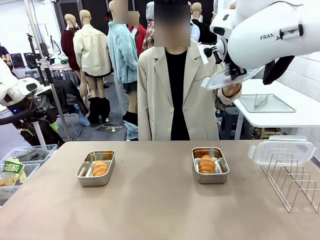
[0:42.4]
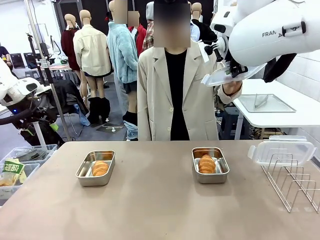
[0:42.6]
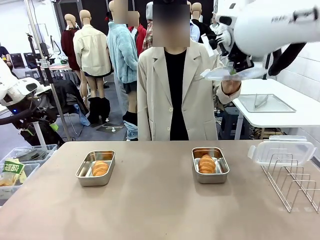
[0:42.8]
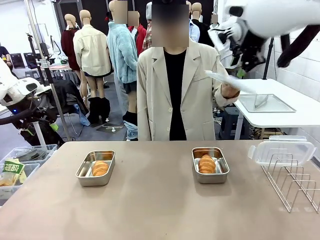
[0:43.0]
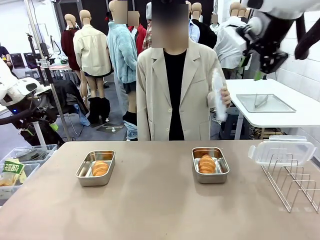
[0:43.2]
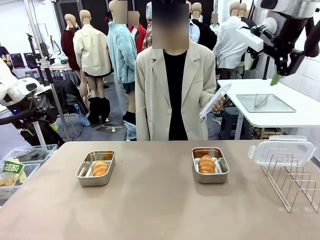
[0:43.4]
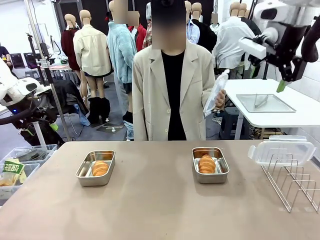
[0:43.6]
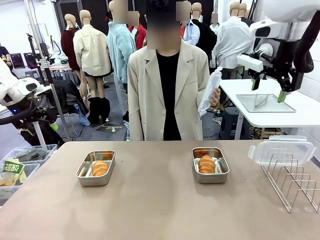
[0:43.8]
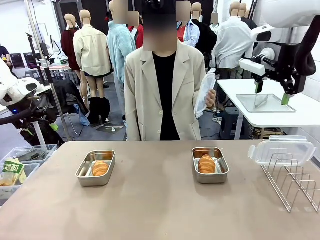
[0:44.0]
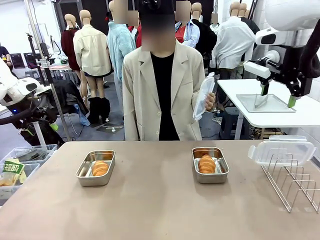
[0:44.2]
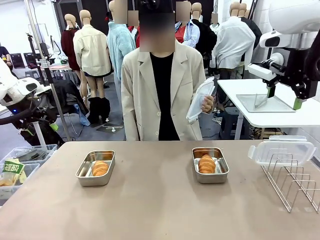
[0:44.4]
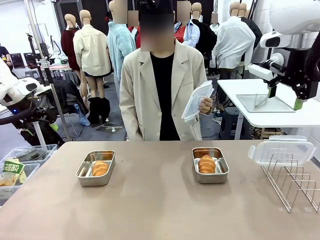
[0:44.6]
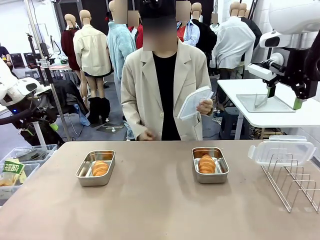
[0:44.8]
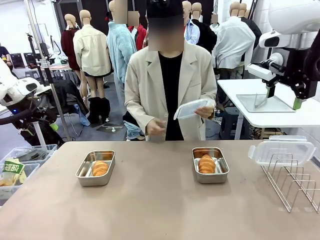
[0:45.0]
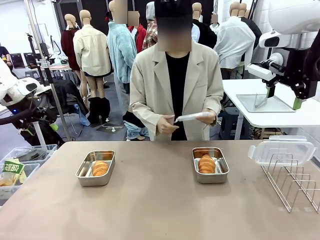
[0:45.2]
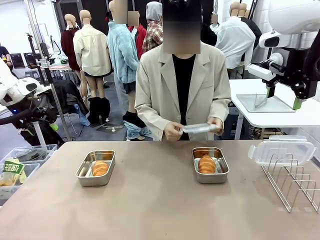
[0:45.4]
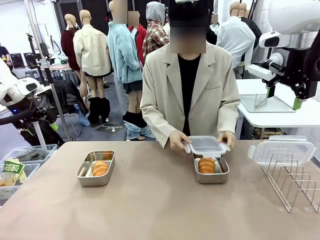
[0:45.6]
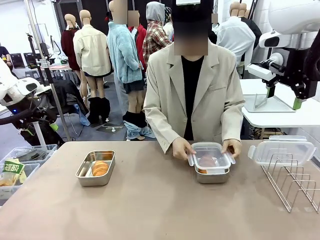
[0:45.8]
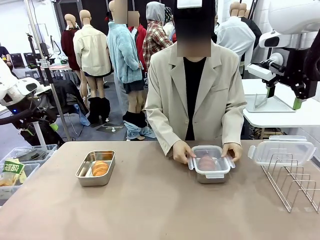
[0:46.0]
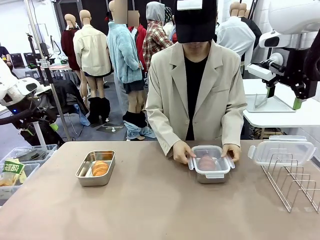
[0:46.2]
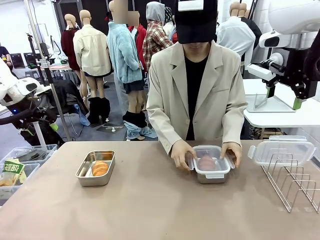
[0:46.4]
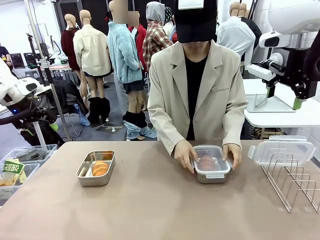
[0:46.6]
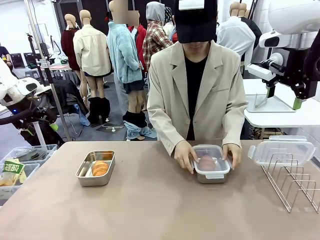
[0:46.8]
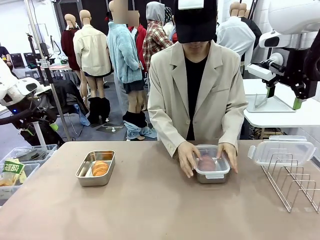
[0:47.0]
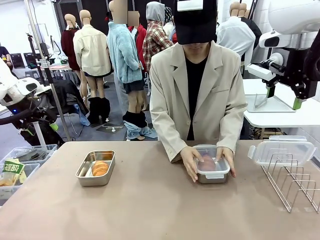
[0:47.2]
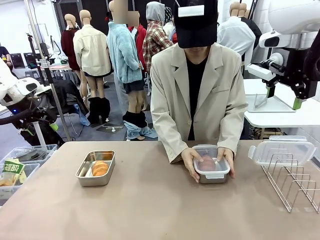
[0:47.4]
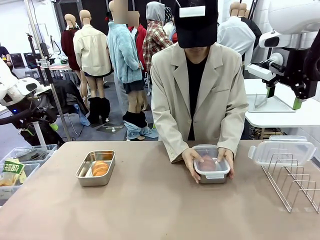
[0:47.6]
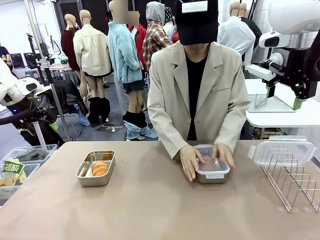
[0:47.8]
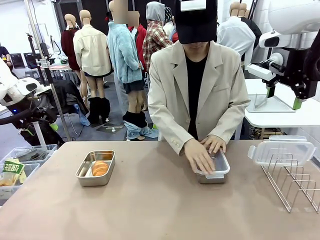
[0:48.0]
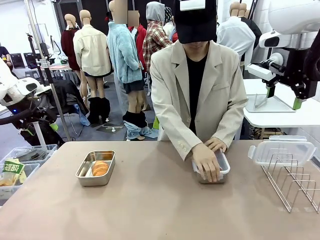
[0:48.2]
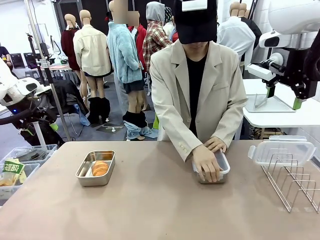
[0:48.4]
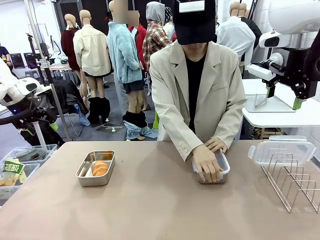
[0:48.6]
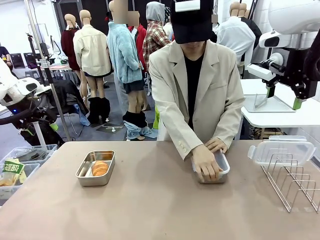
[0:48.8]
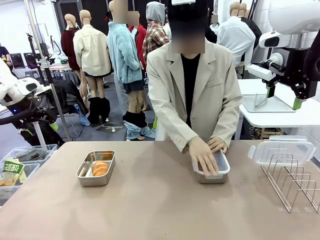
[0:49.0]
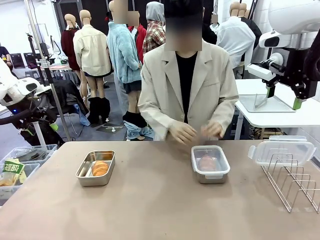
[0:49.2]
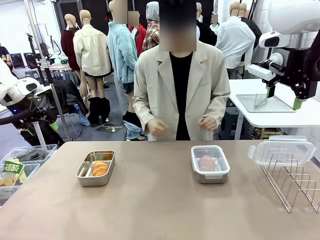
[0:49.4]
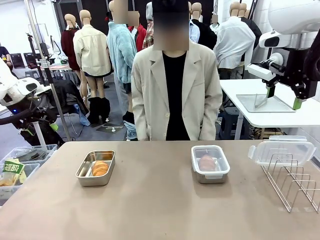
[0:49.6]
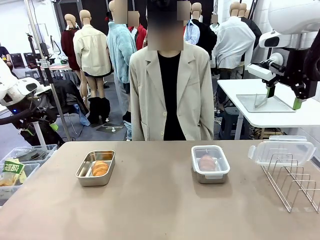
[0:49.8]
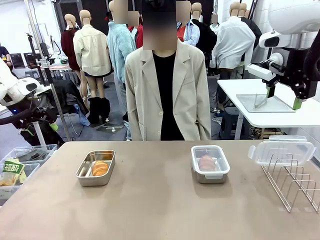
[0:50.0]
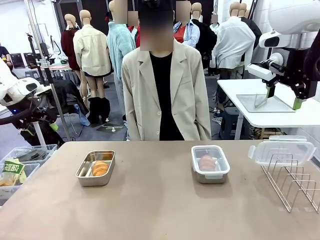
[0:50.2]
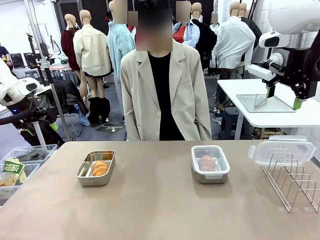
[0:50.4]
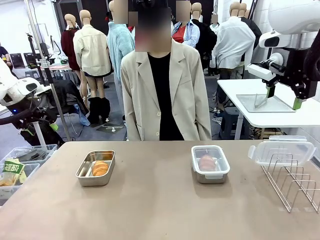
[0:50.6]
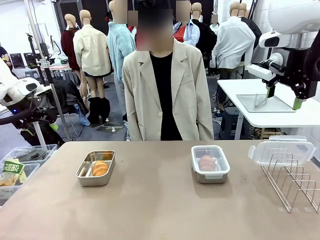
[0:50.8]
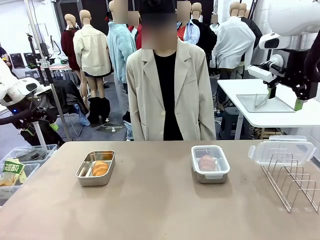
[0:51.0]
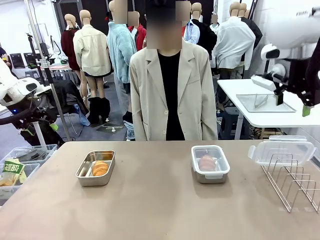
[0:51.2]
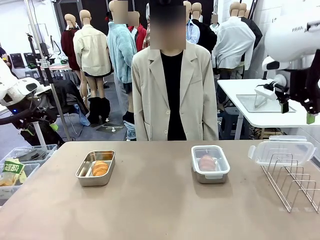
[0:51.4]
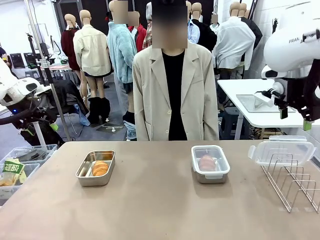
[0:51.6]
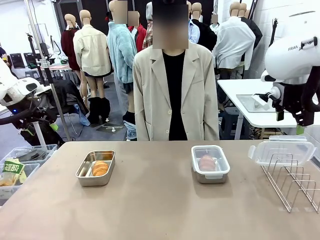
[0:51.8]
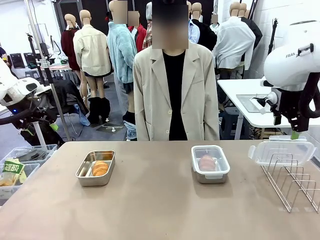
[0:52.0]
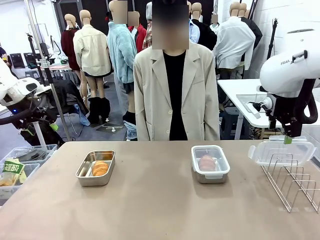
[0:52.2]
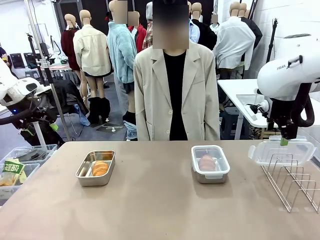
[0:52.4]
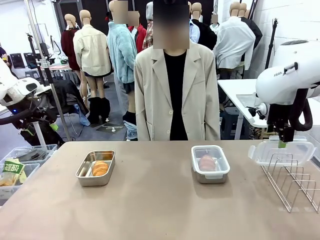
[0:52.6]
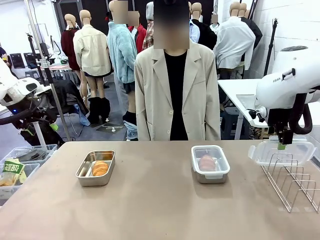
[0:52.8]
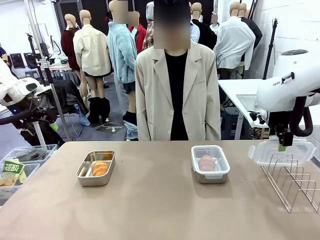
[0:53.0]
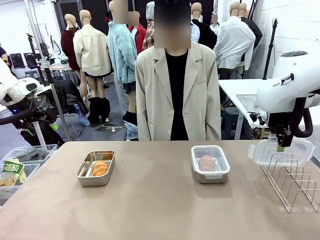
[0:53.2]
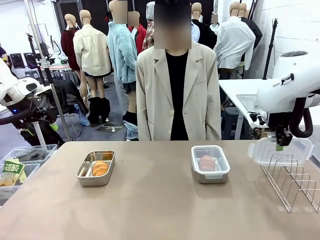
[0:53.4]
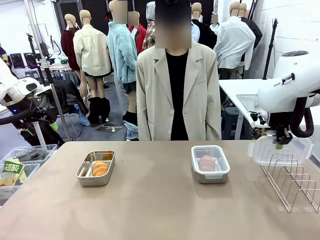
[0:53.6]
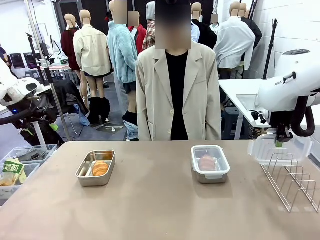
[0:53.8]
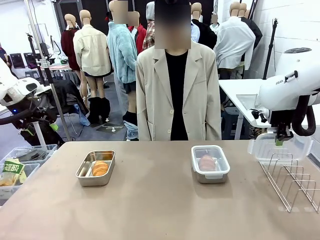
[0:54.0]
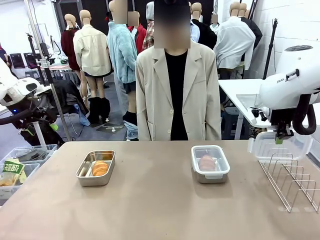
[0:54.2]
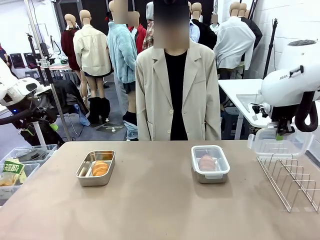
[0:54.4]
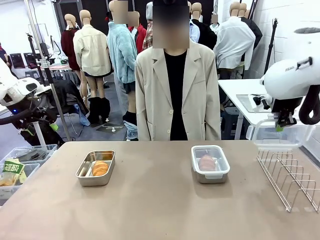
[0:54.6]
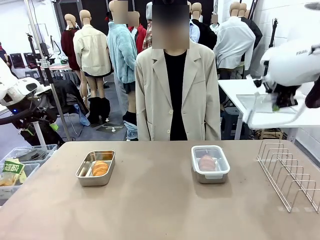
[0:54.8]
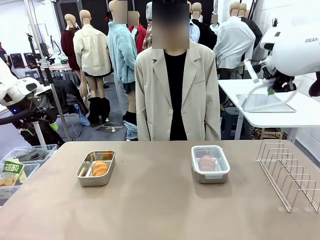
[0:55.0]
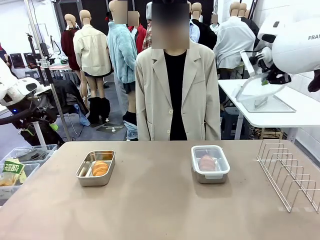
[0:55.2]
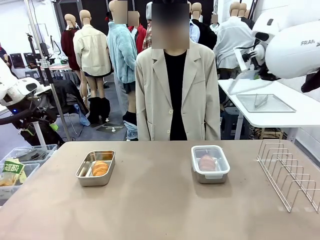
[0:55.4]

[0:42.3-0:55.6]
Task: Place the bread in airtight containers.
Robot: Pick up one Airtight Container lid and hand it to the human.
Person: Close Airtight Container with a handed Airtight Container lid. Grip Airtight Container lid that robot is handing.

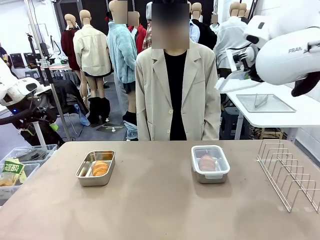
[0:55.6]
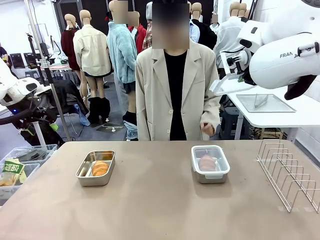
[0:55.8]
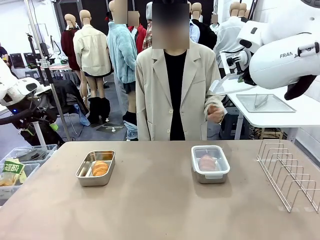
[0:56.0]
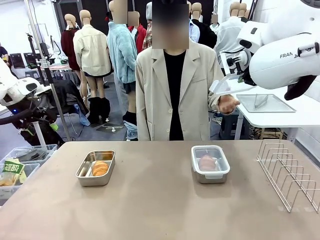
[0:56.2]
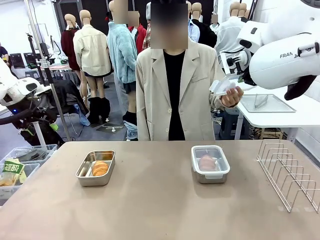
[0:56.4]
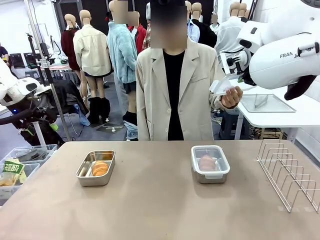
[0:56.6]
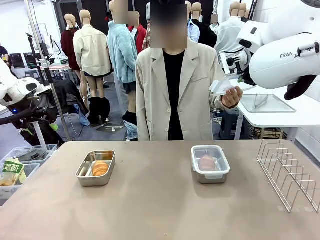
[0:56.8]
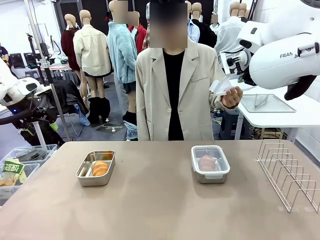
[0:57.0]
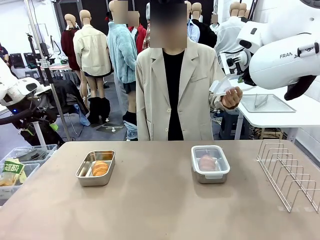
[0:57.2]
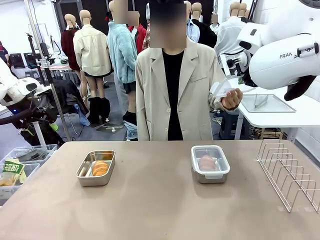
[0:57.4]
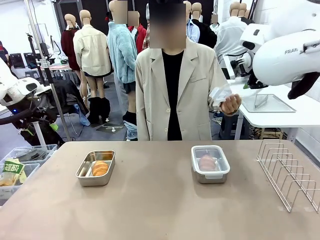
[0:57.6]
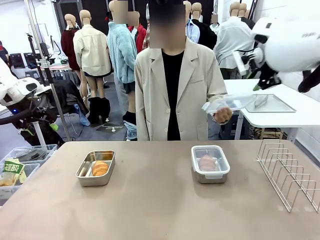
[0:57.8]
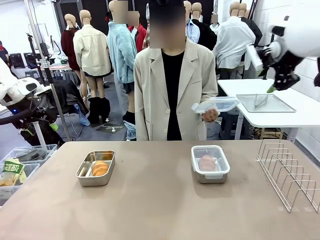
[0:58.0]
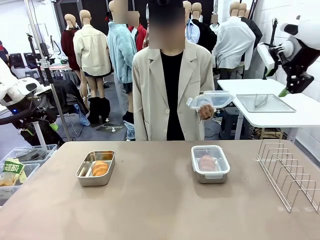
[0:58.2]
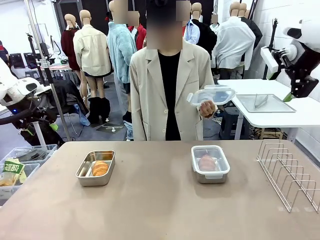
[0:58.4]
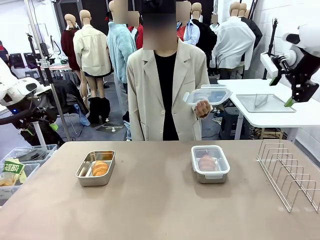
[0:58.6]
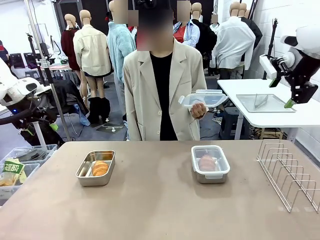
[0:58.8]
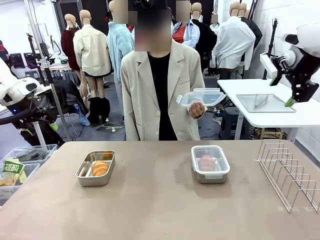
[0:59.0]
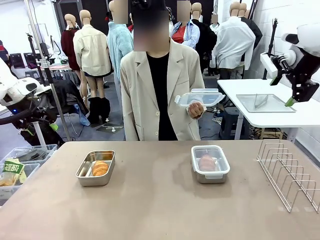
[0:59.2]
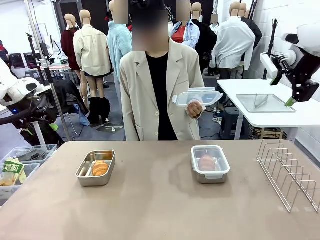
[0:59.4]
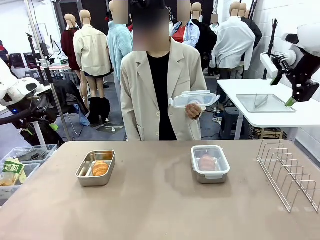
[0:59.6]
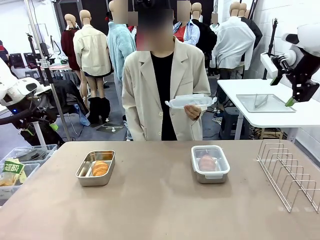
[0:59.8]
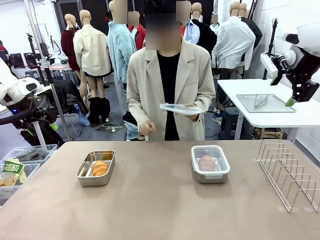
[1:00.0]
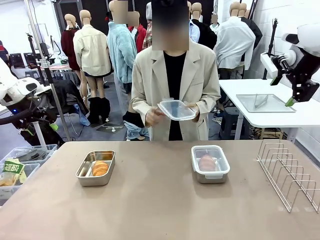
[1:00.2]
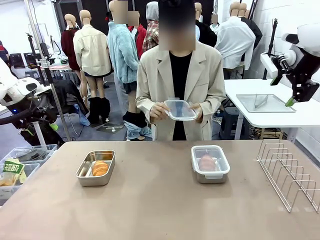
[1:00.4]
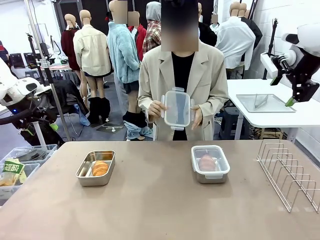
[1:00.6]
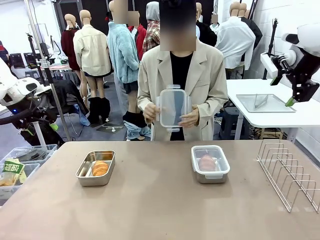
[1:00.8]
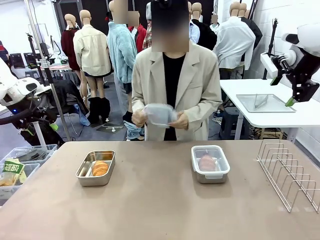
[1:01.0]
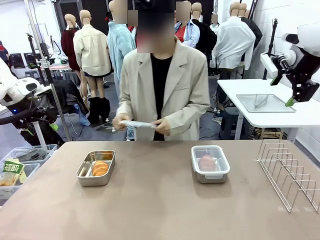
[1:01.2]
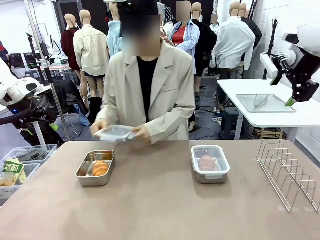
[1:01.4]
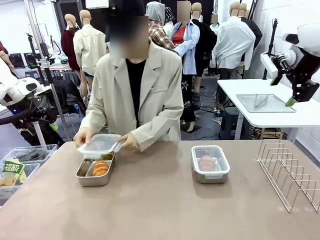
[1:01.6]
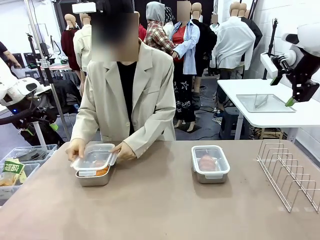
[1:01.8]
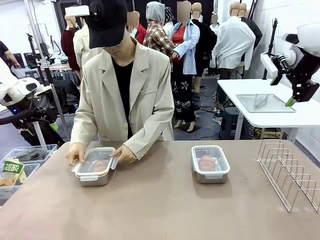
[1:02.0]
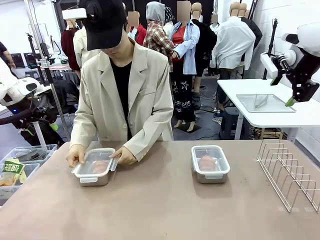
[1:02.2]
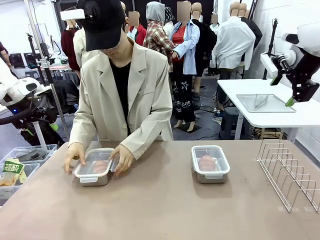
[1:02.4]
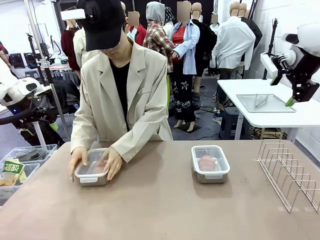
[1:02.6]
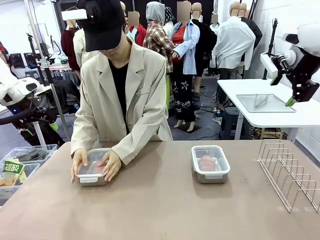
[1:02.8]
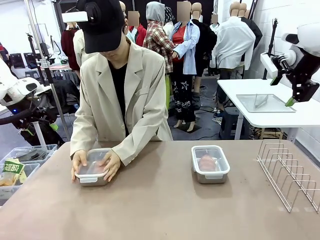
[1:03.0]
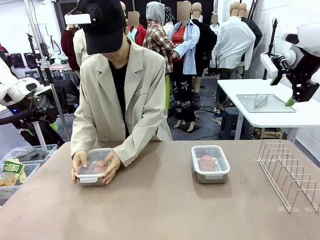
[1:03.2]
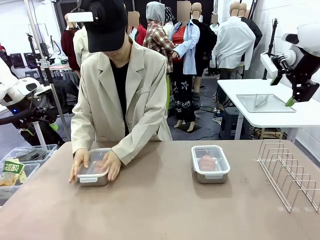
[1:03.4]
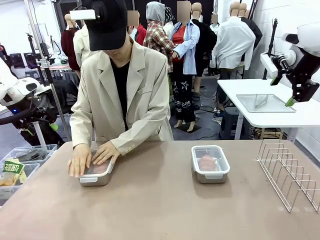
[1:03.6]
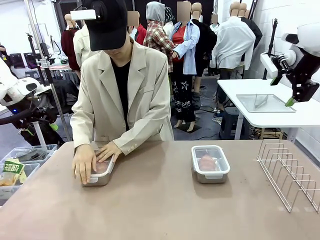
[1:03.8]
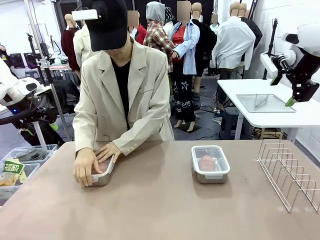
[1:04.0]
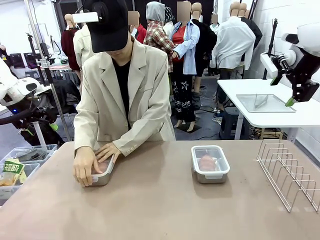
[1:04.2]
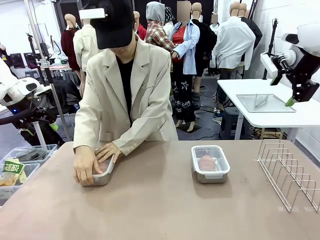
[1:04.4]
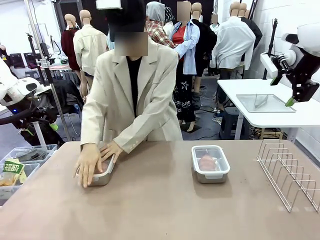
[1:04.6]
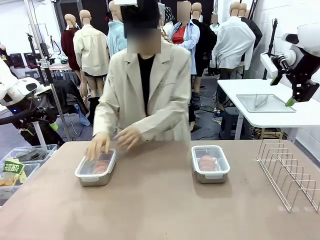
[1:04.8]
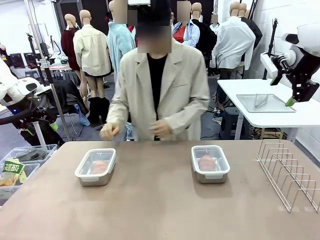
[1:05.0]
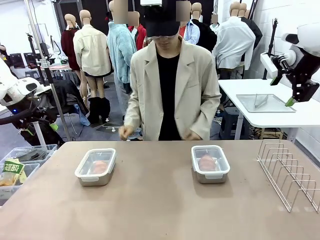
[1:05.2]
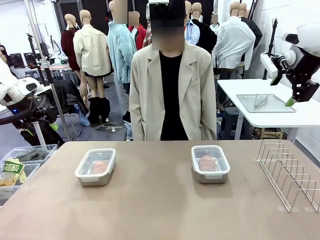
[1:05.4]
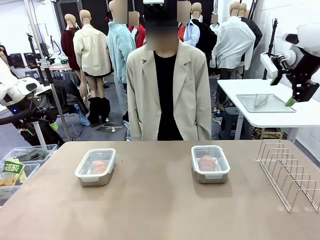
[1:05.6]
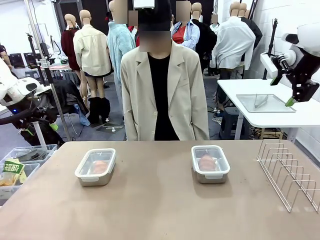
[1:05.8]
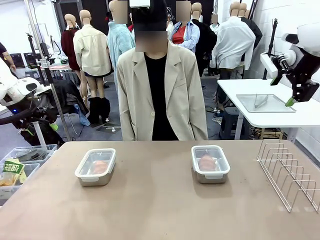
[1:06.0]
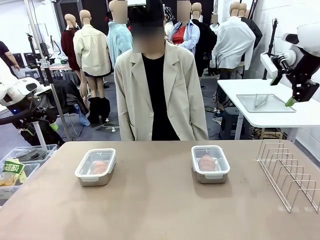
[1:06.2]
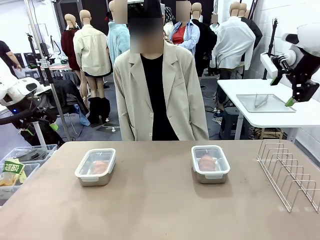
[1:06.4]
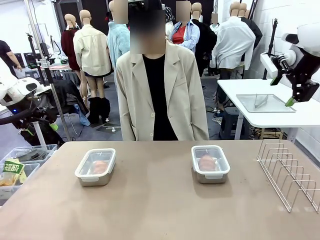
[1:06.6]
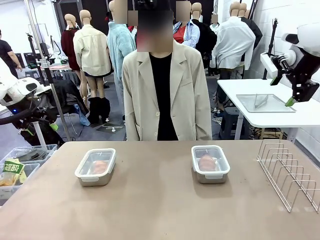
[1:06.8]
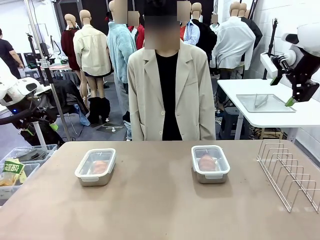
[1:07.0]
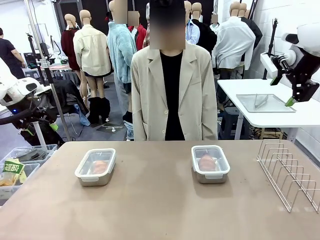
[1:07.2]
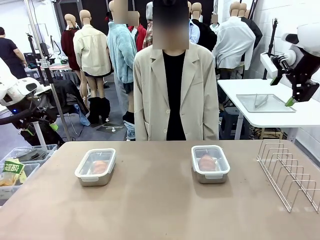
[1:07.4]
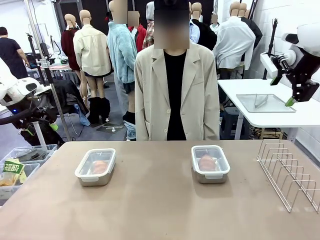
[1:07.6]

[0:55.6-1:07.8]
Robot: Release when the human grabs the Airtight Container lid.
Person: Close Airtight Container with a handed Airtight Container lid.
